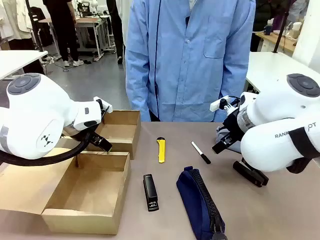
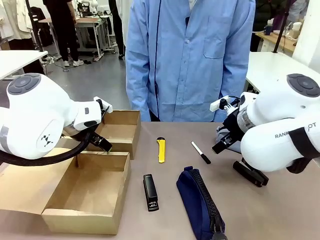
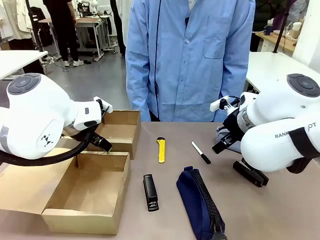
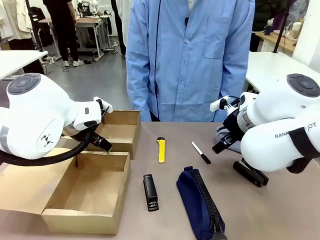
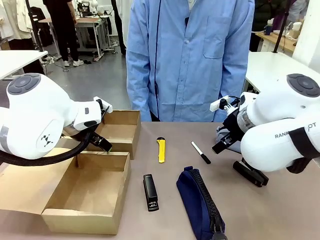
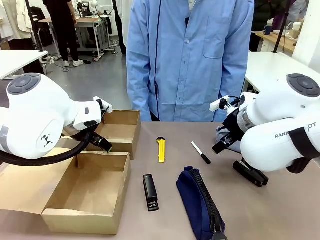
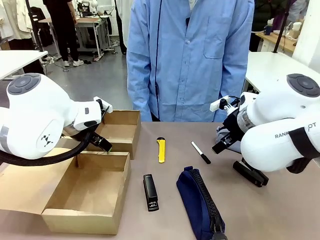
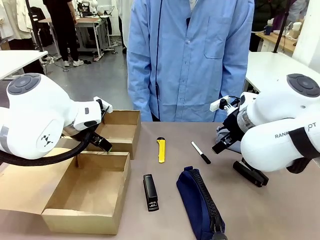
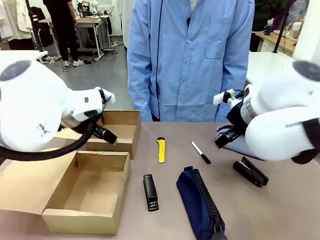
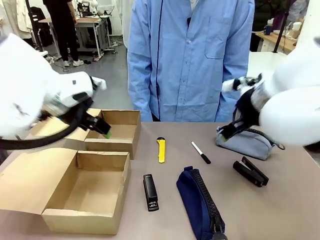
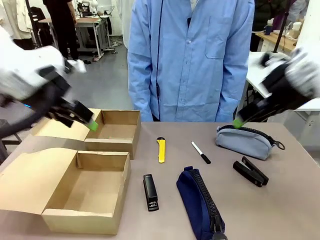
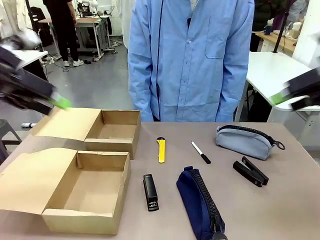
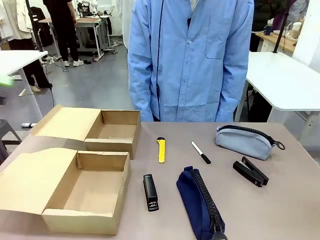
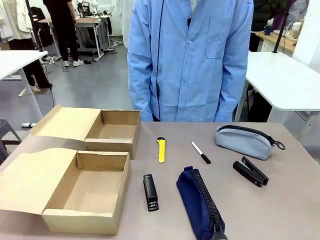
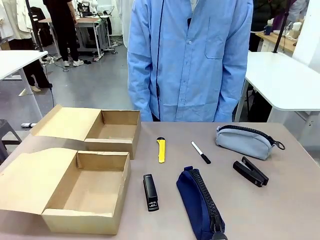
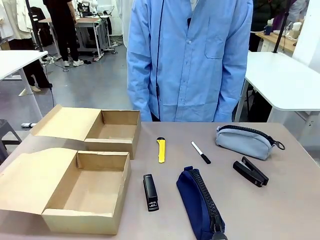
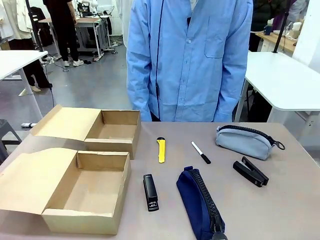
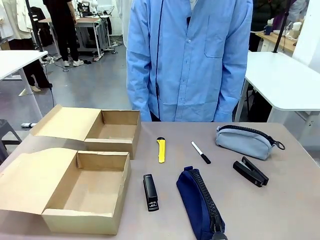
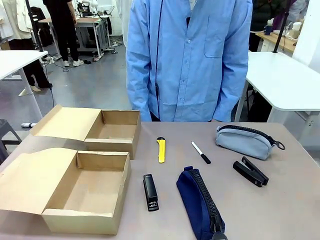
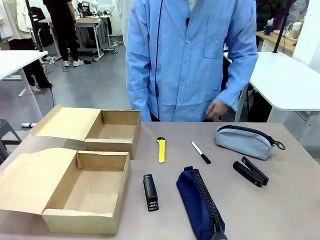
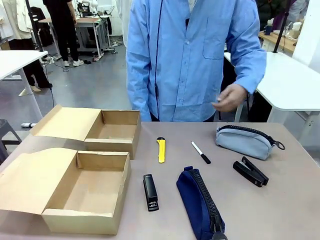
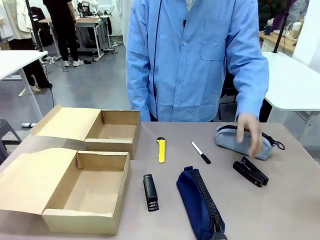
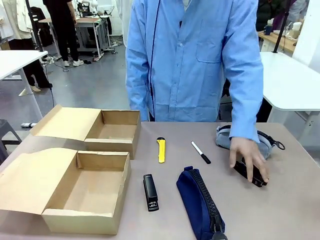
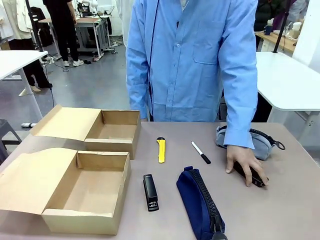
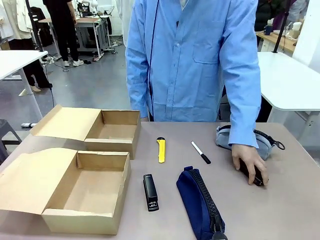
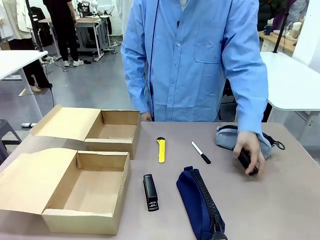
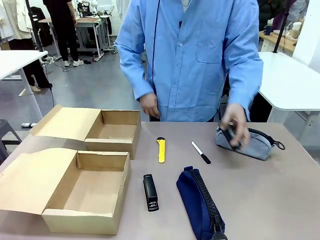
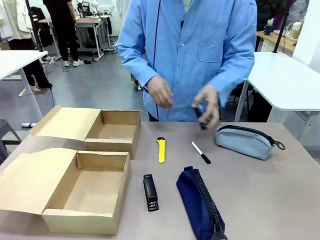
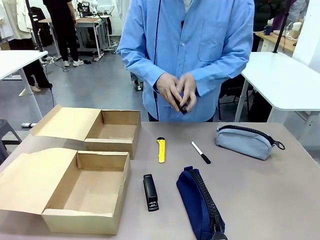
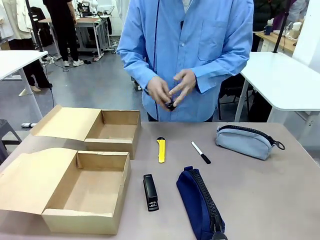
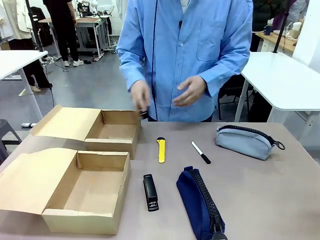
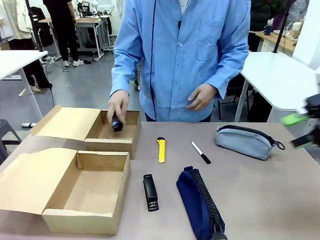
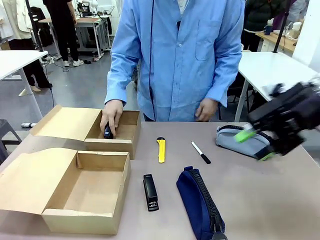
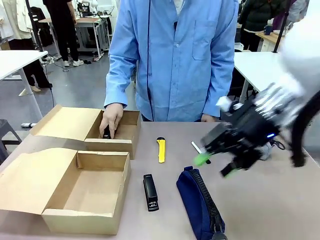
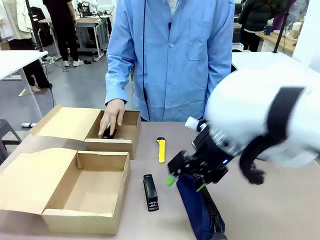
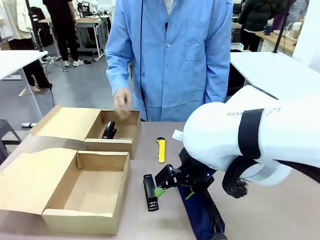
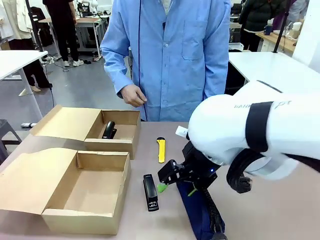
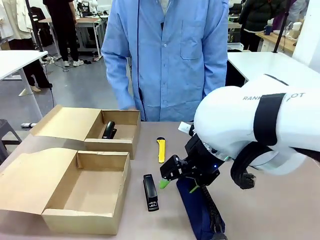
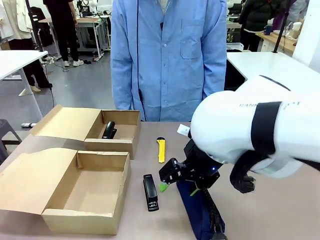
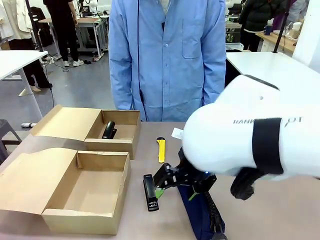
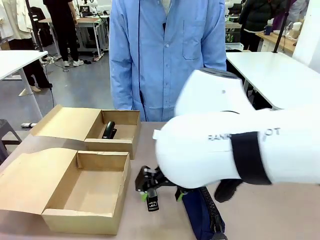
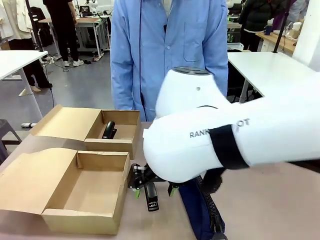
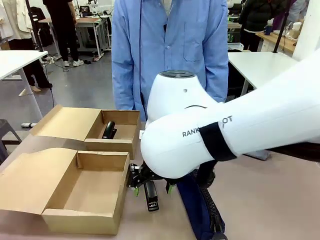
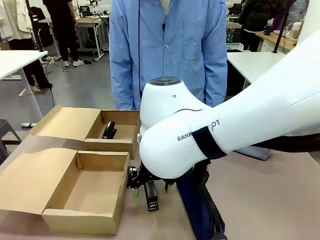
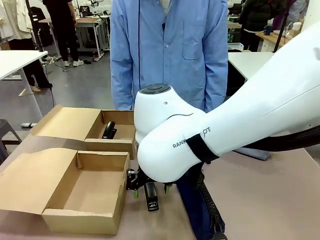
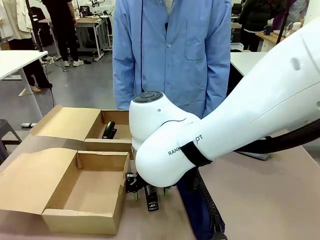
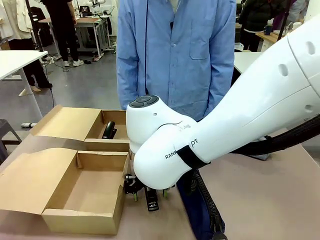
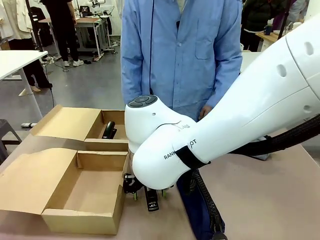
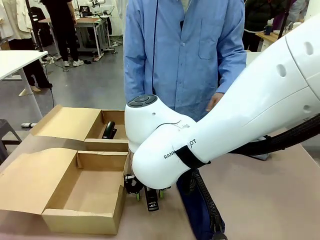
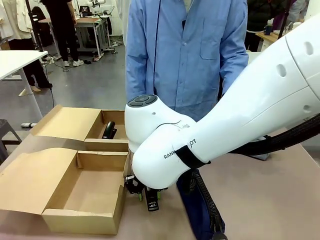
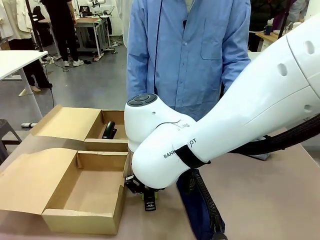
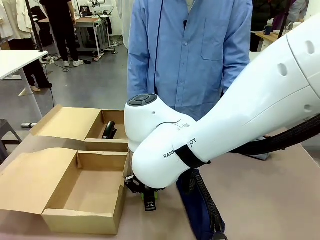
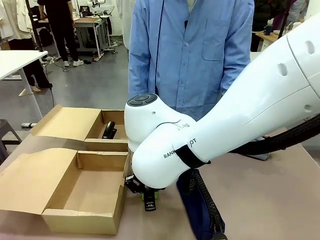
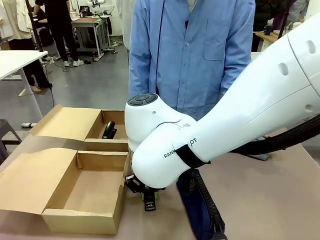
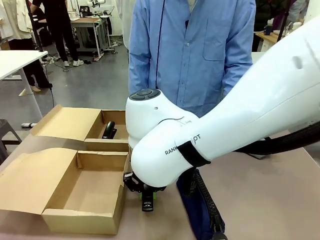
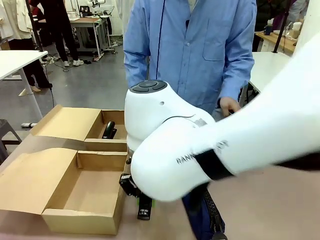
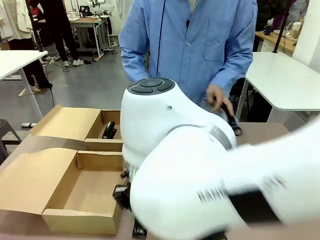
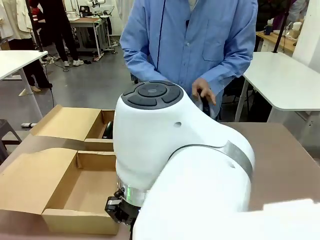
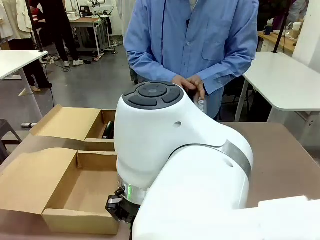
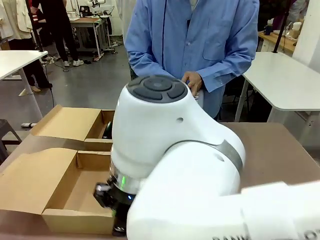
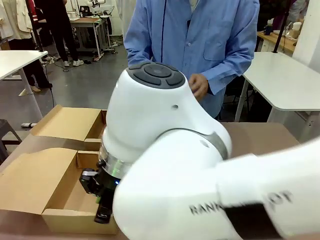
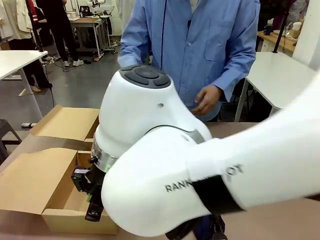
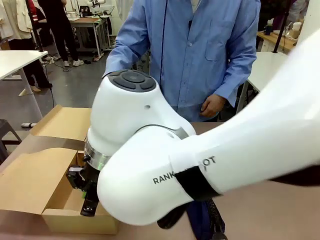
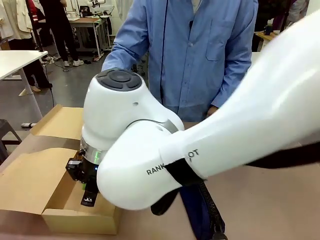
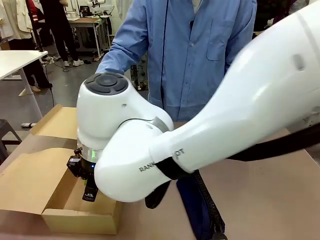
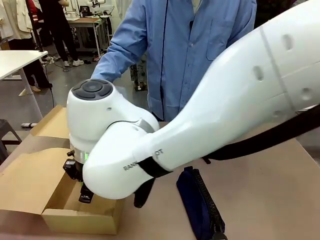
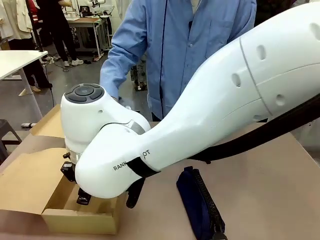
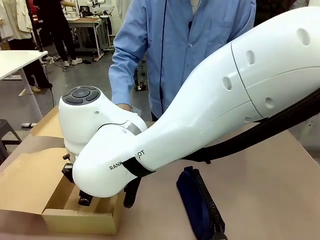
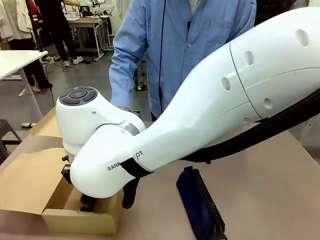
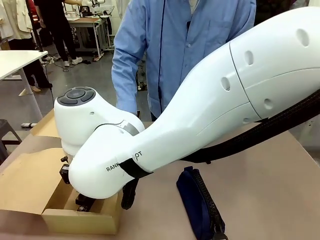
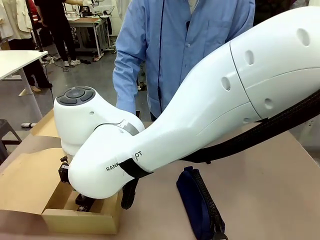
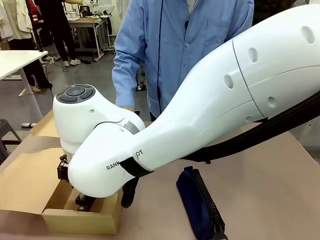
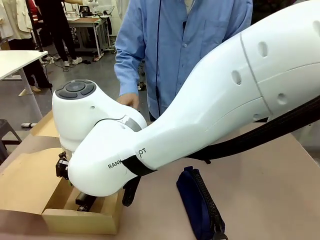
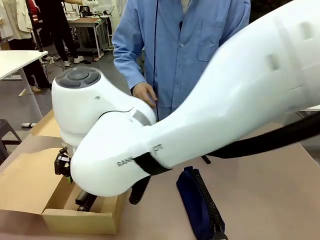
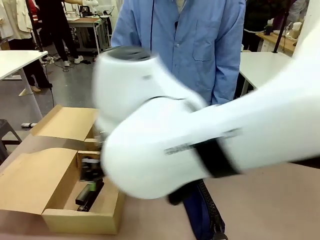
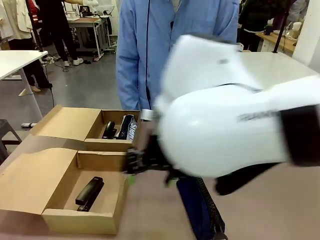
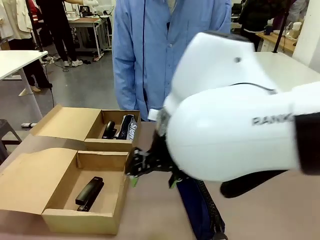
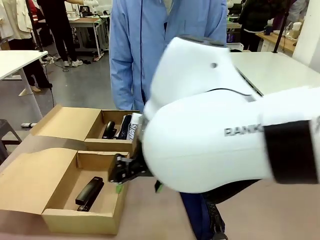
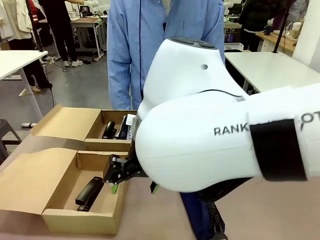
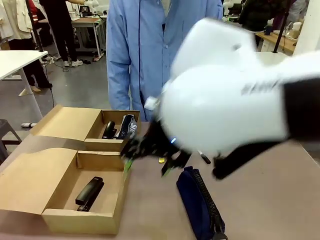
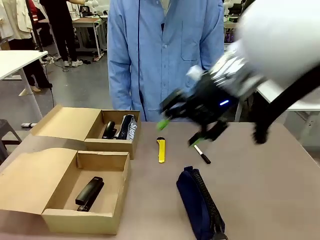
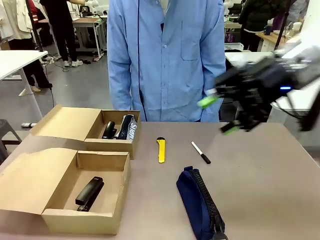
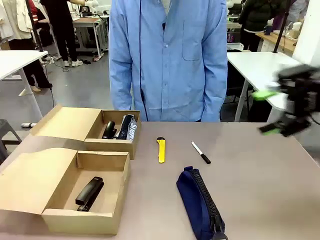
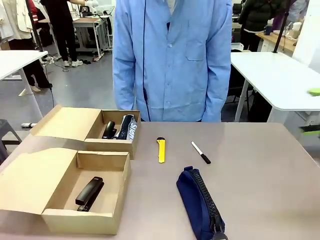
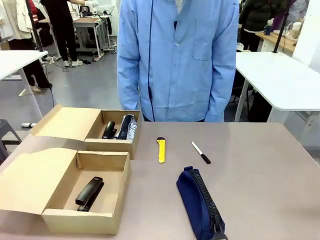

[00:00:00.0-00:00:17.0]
Task: Place items inside the box.
Robot: Pick up a Pencil pouch or Stapler and place it inside the Mailer Box closest to the robot.
Person: Pick up an object on the table and put it in the box.
